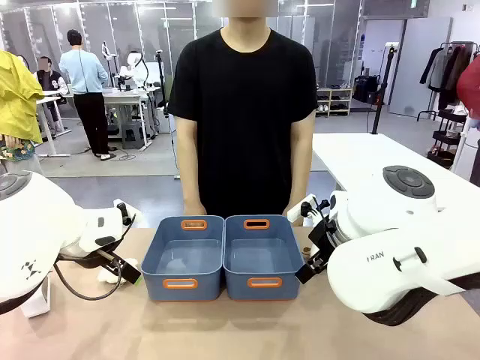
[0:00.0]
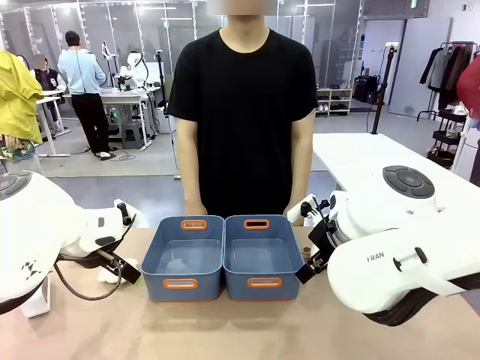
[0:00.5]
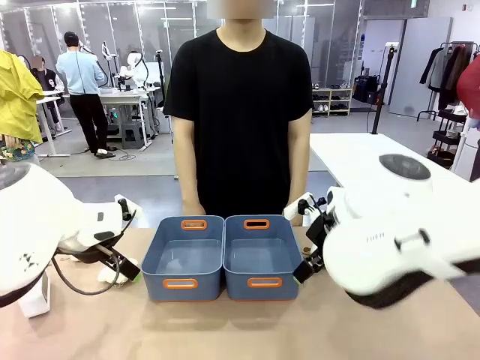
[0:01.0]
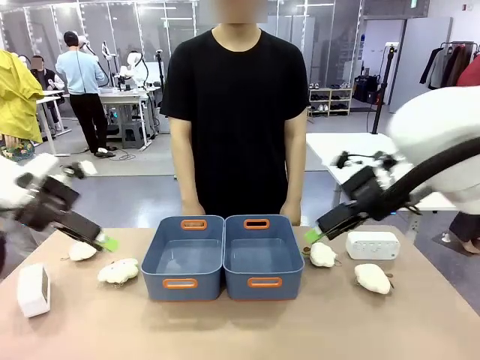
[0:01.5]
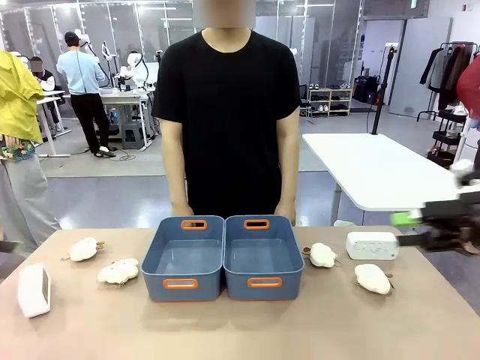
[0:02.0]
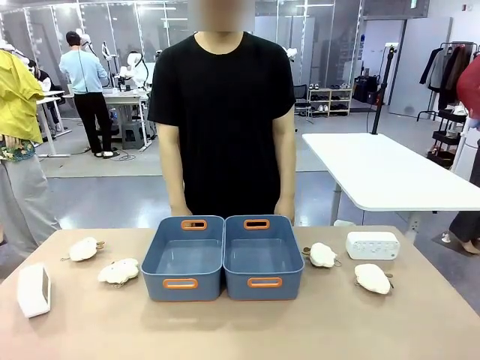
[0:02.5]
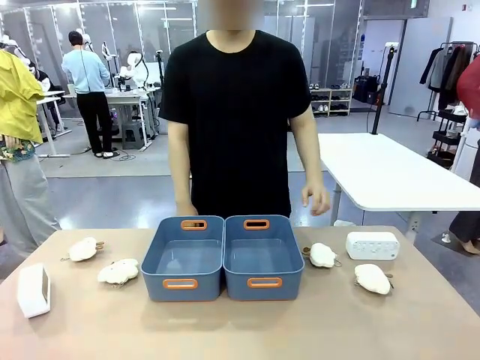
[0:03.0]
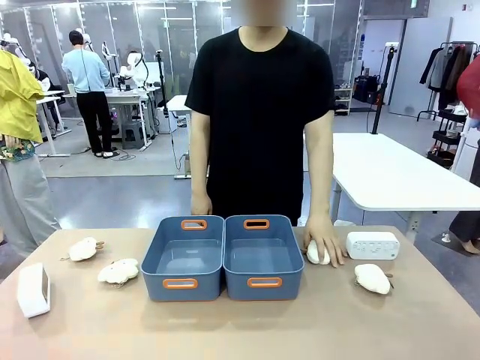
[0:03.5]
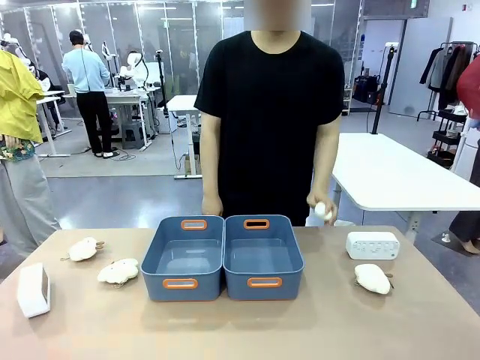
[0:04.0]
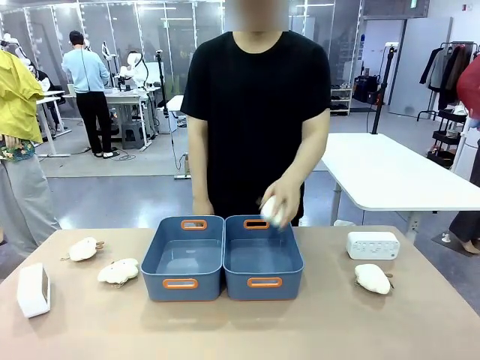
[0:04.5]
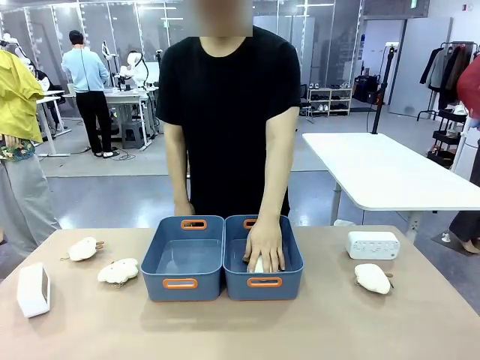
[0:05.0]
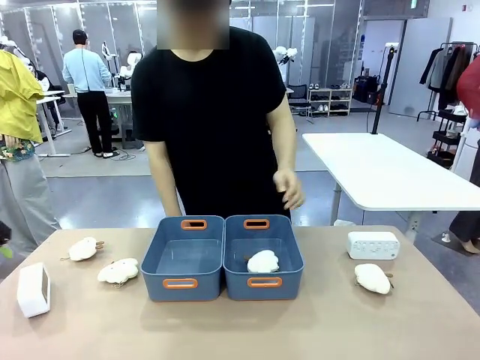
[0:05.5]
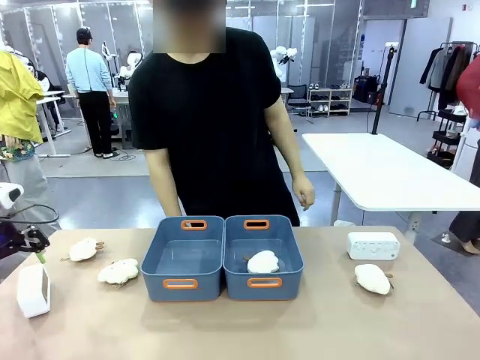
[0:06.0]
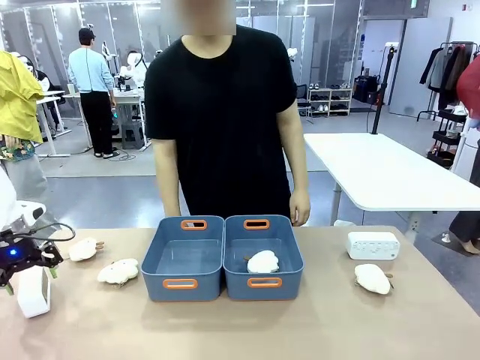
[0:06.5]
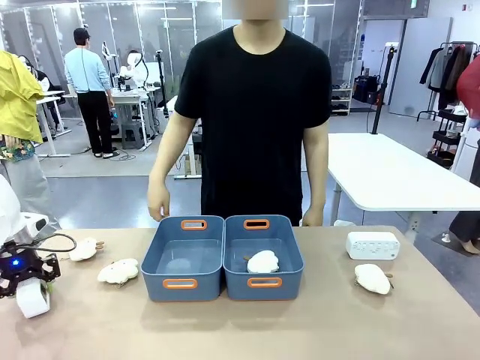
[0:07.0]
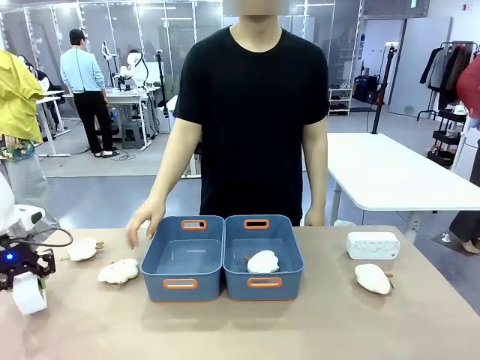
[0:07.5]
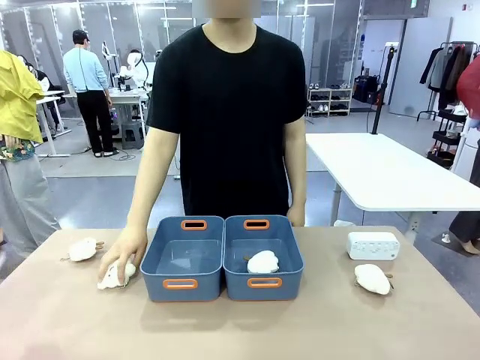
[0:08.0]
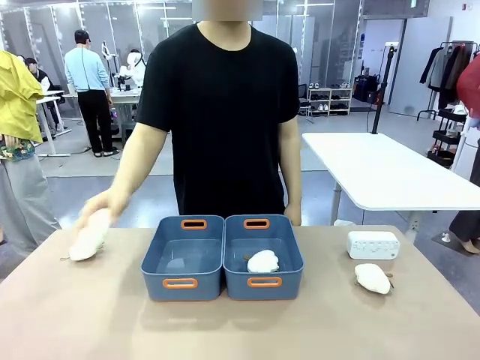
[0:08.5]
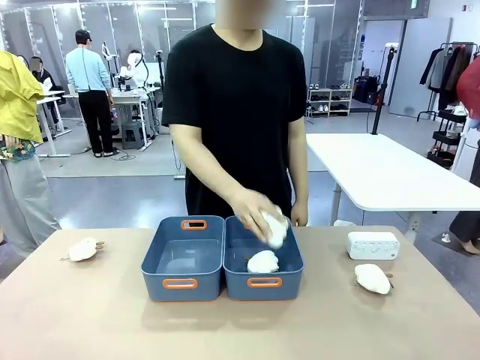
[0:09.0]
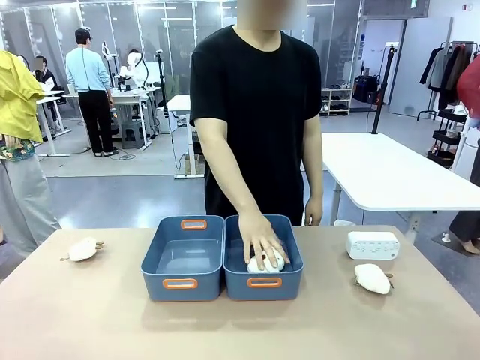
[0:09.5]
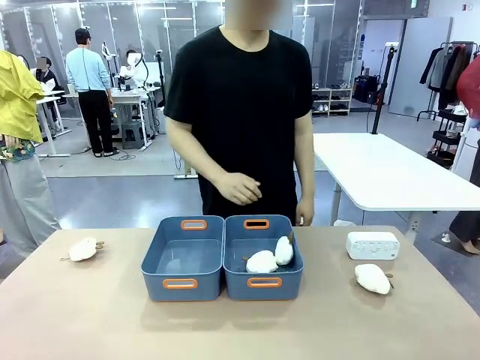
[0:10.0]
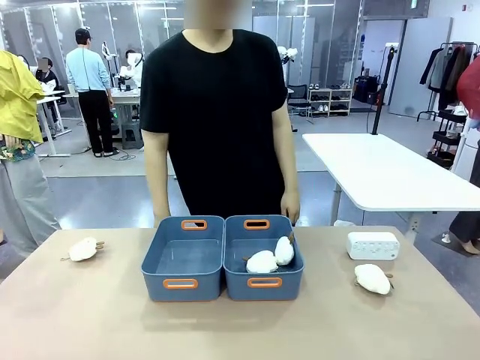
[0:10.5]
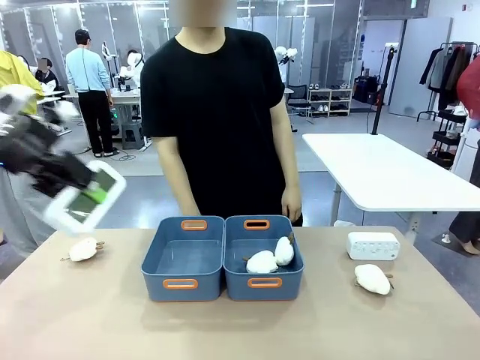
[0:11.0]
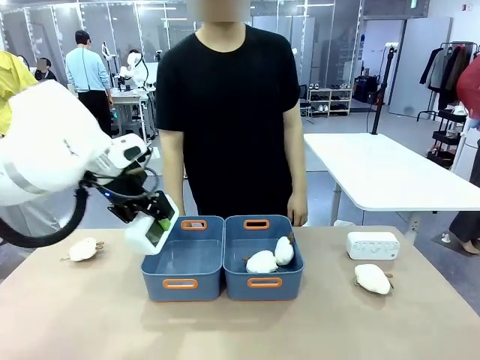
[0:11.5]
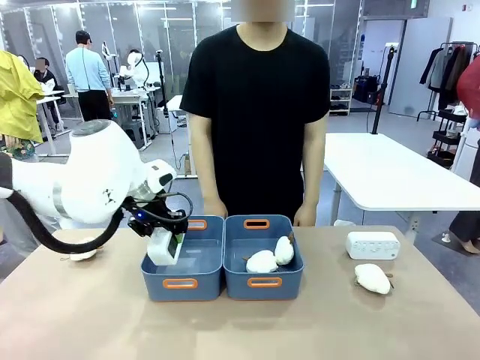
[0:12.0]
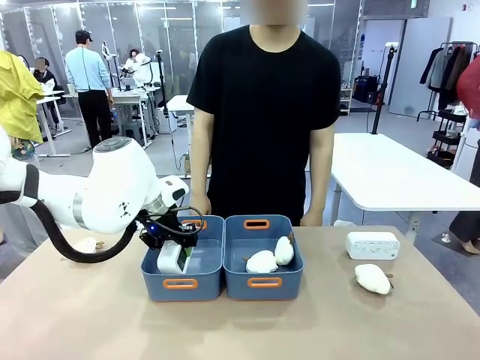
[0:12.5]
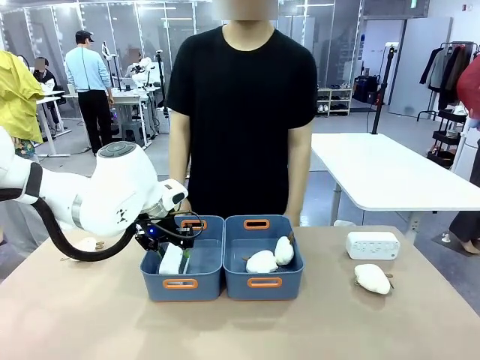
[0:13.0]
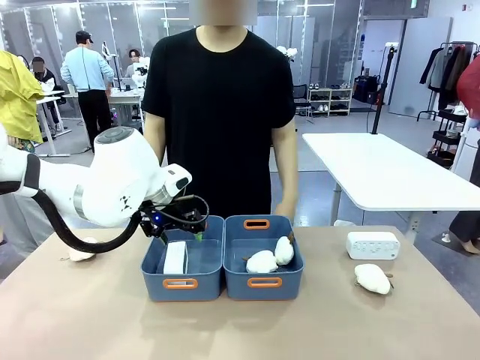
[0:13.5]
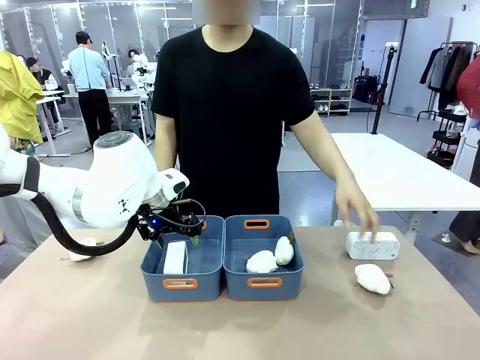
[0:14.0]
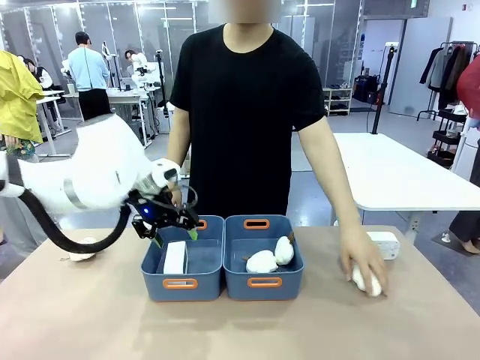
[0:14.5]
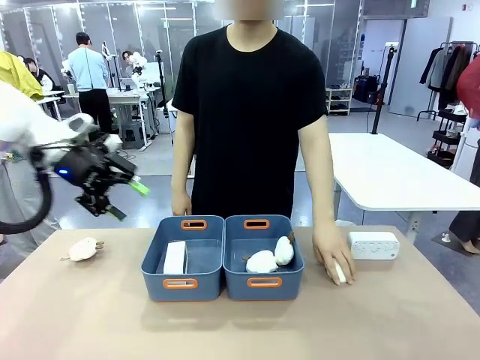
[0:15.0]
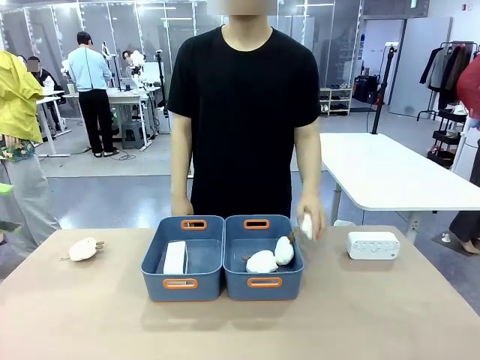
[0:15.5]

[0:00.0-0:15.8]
Task: Sort the digital clocks into the basket.
Robot: Pick up the Digital clock from the table and place it into the empty Plastic storage basket.
Person: Pick up a plush toy from the table and place it in a plastic storage basket.
